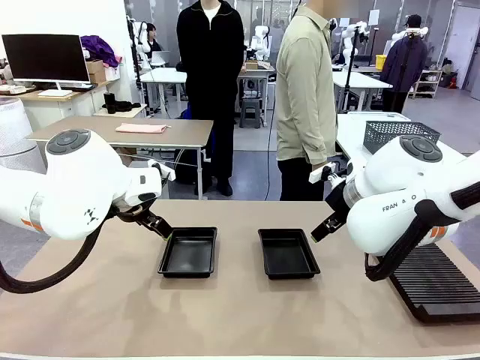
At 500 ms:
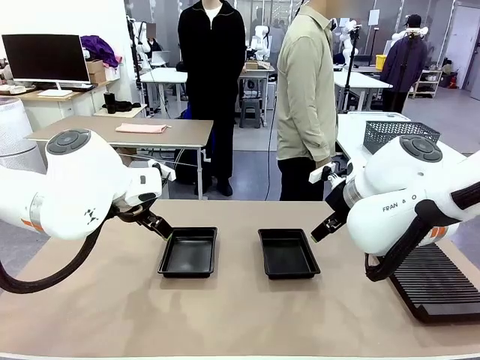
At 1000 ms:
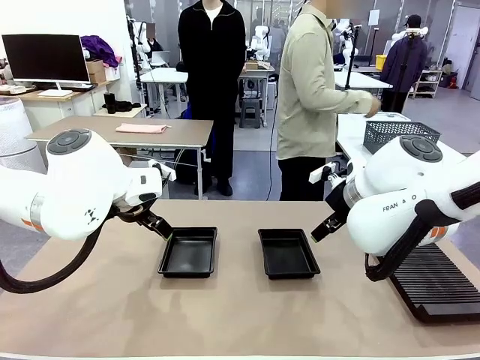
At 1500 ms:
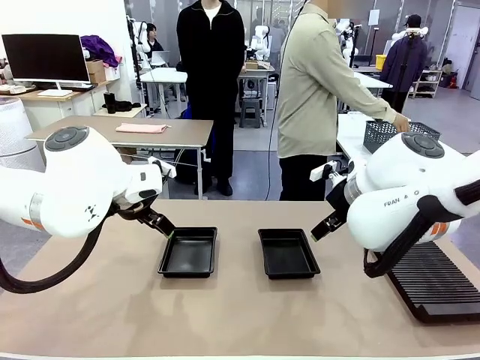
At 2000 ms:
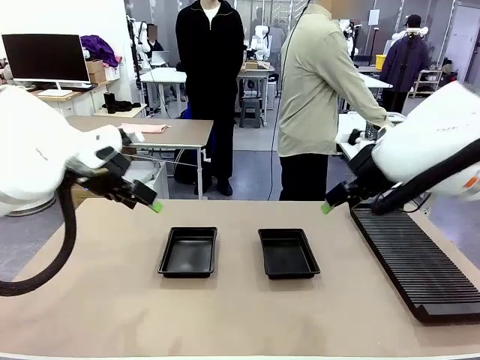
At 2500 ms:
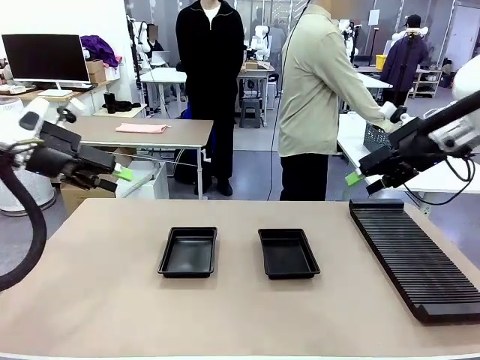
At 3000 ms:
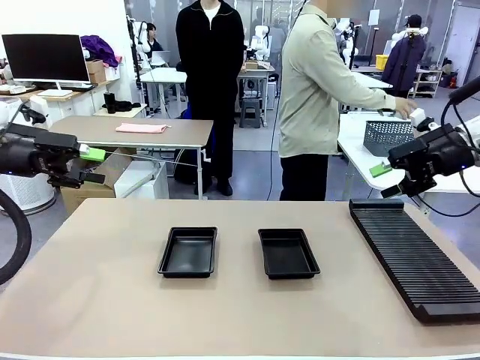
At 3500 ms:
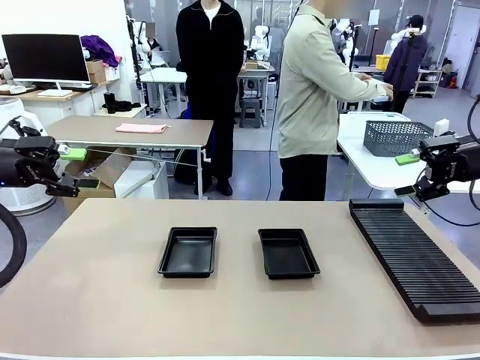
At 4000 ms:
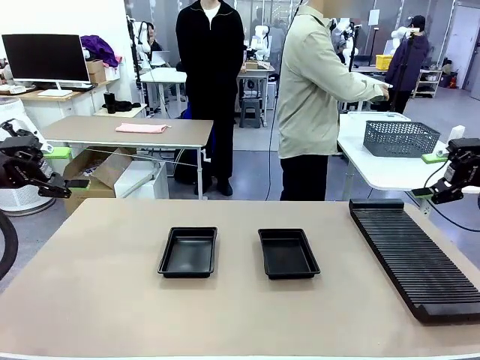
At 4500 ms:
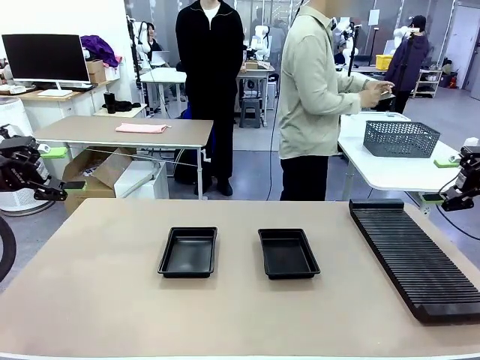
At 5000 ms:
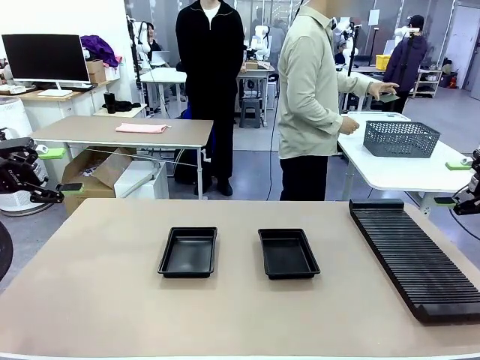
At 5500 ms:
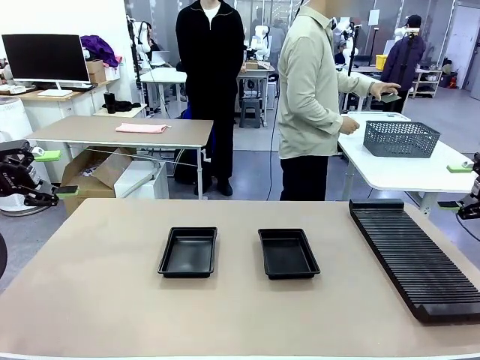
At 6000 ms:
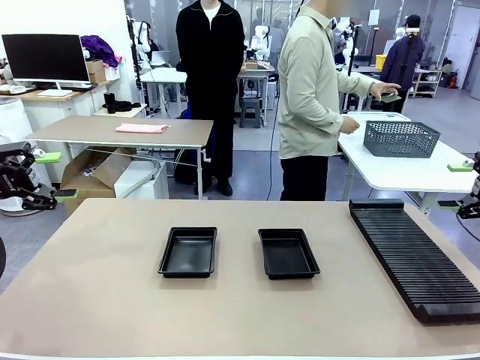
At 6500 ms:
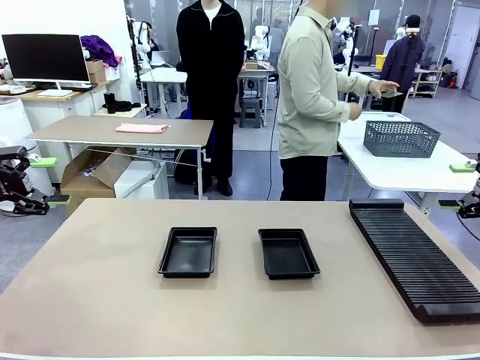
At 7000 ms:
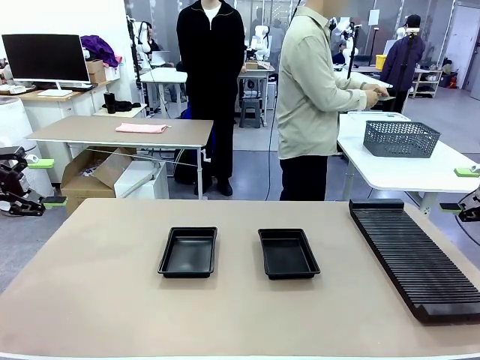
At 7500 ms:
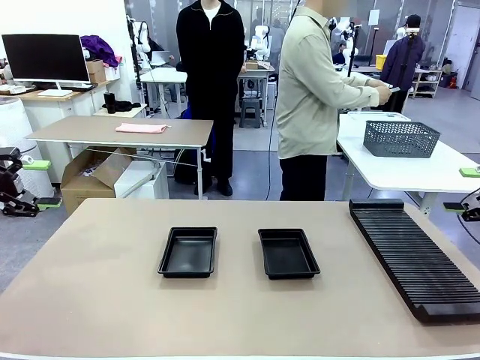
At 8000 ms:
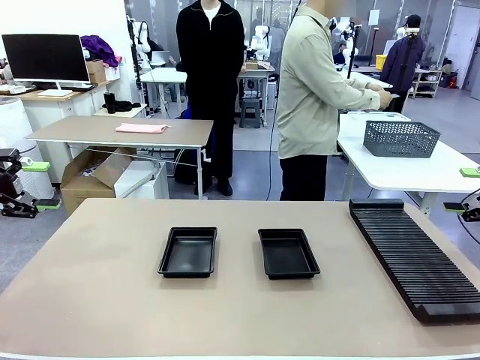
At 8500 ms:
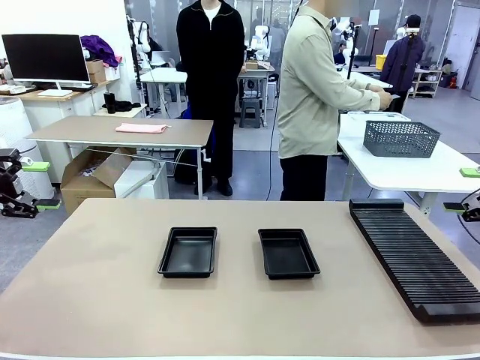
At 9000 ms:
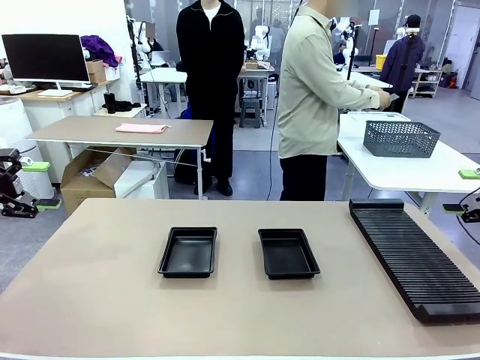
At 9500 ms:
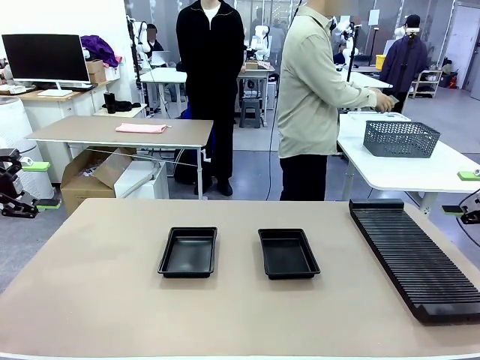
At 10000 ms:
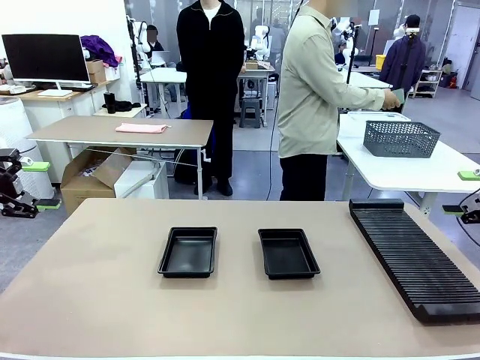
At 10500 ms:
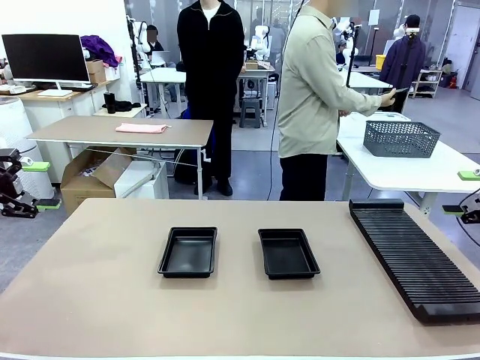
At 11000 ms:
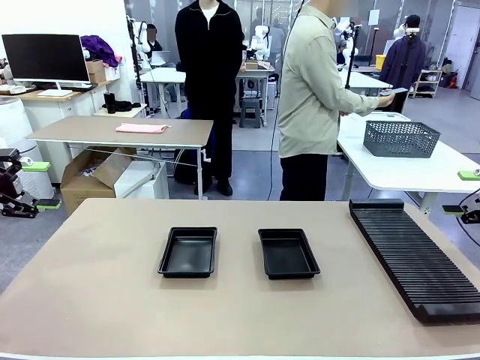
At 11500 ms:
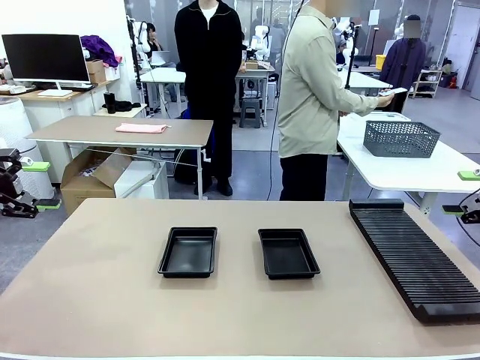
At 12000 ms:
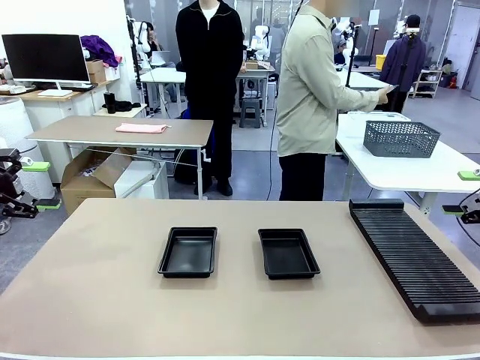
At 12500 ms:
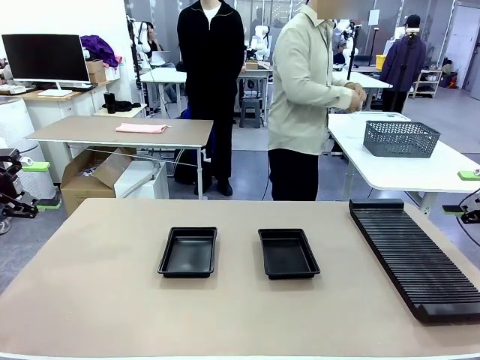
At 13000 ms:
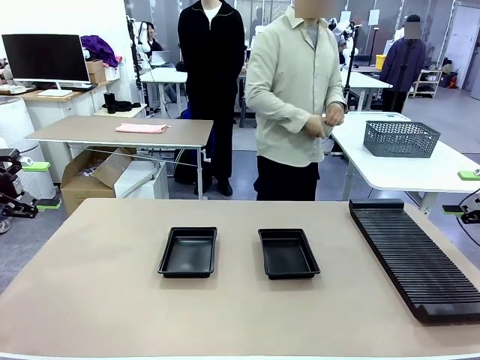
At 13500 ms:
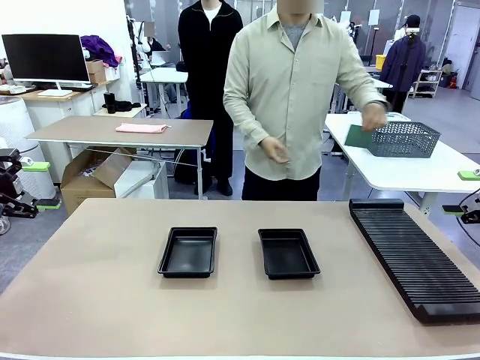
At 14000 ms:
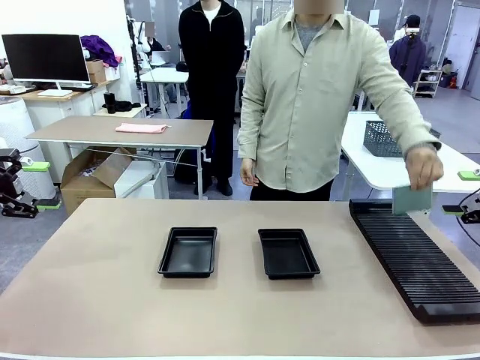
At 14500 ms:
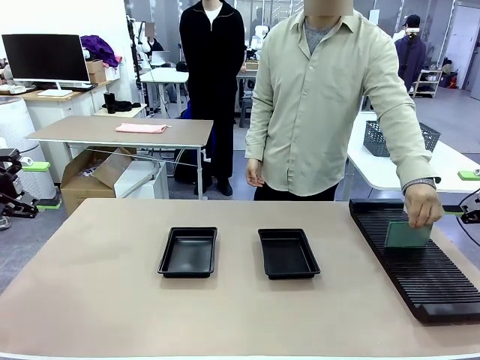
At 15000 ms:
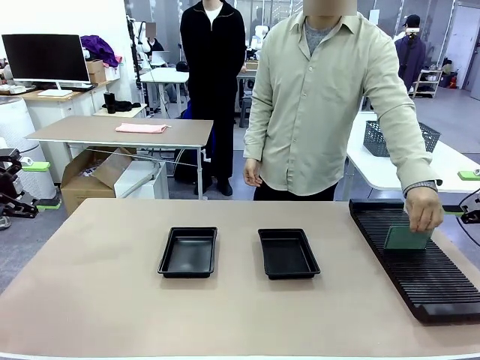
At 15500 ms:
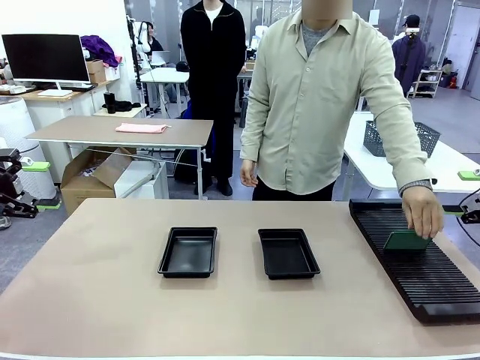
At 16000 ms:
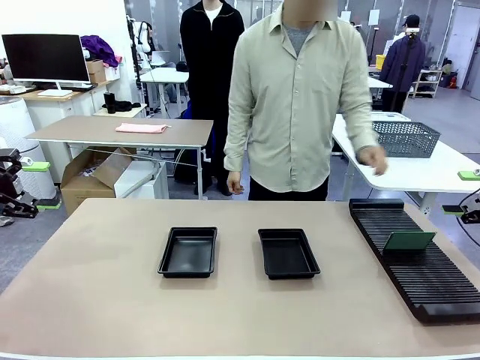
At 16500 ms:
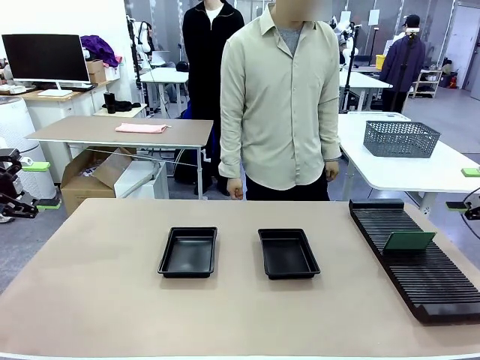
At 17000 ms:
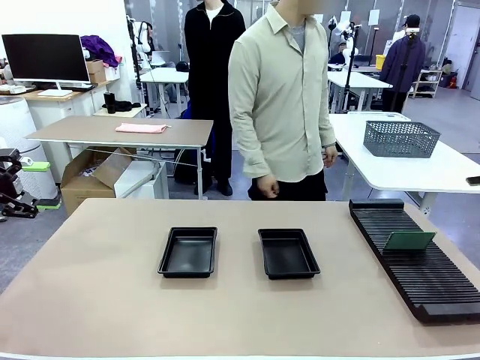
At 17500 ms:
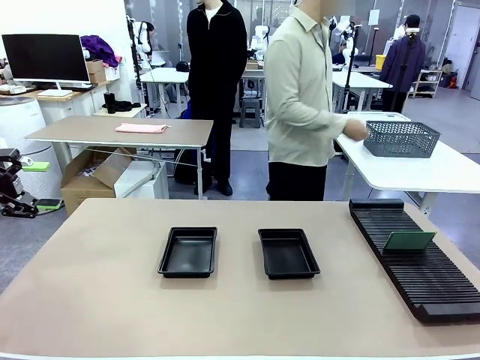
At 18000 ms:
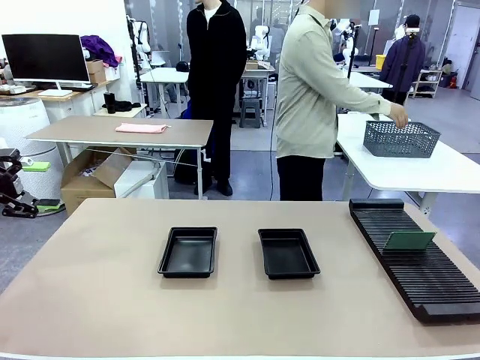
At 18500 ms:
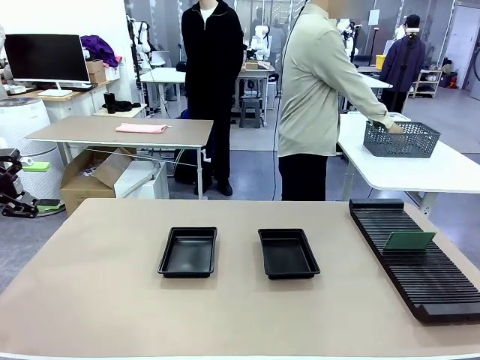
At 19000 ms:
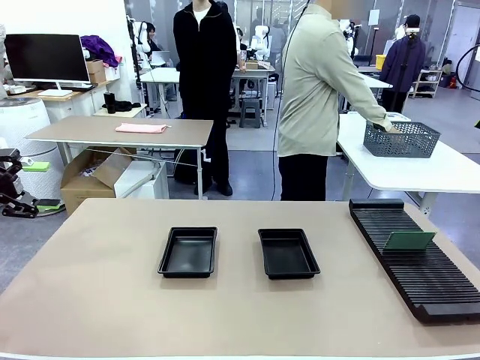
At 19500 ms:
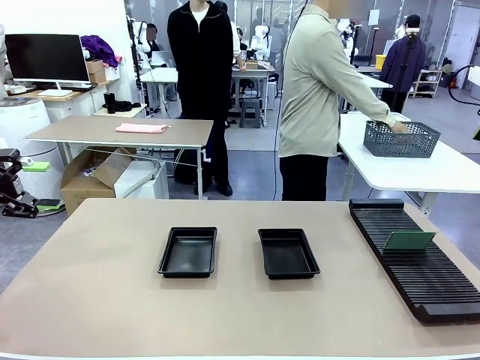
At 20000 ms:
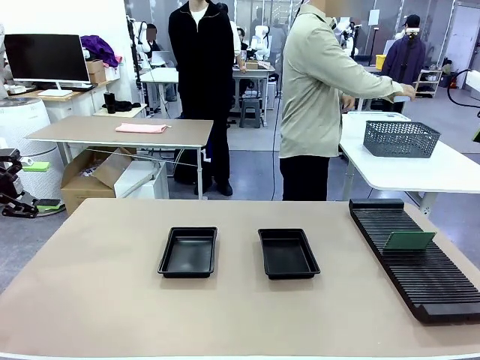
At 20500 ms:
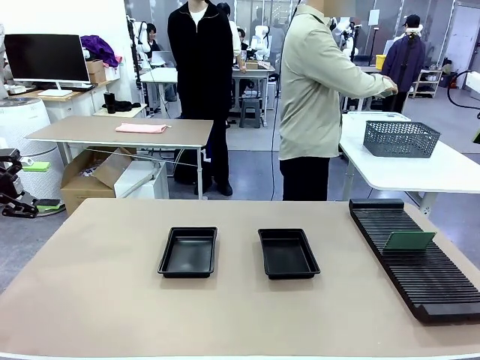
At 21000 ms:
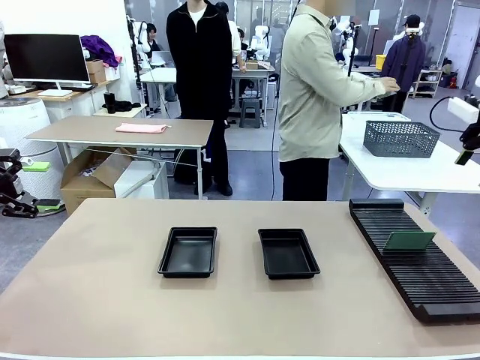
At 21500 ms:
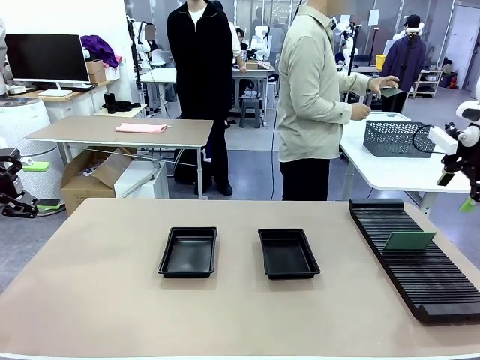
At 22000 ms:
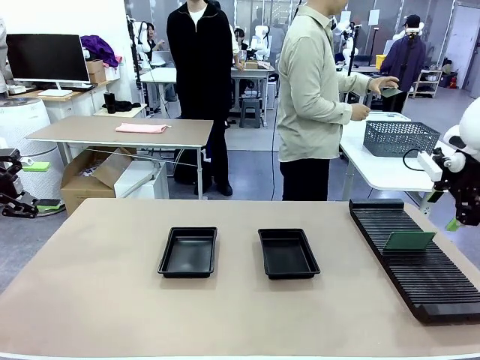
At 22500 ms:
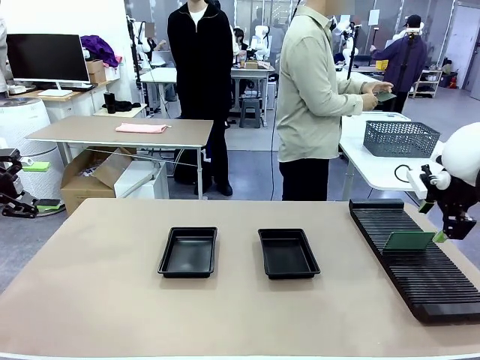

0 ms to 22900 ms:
Task: Inspect and transfer BCBs to ESD trays.
Robot: Pick up the Blank PCB from the PCB Rack and place it in the left ESD tray.
